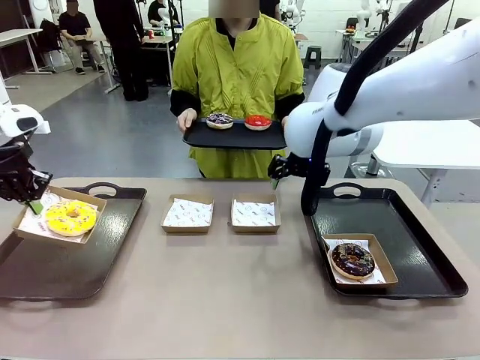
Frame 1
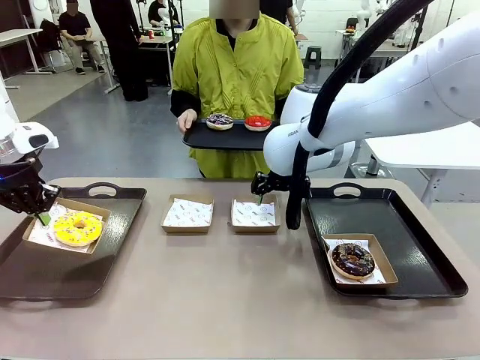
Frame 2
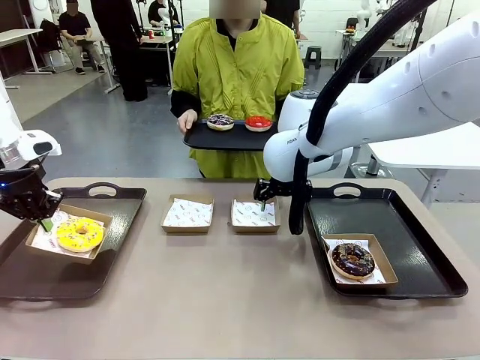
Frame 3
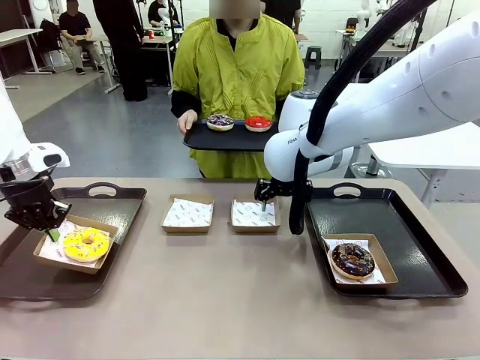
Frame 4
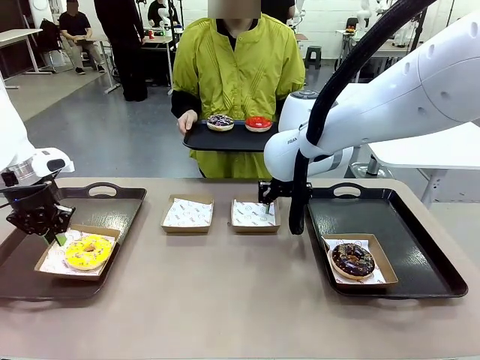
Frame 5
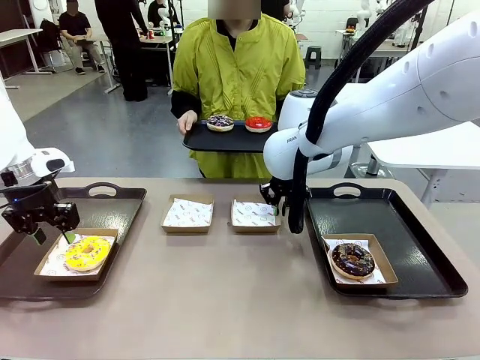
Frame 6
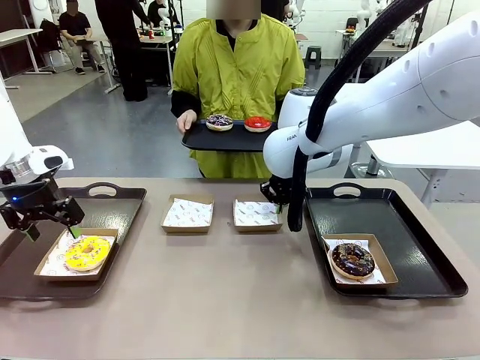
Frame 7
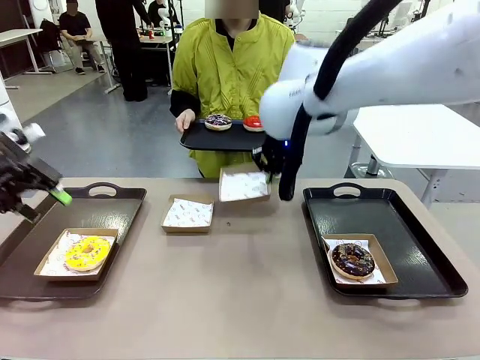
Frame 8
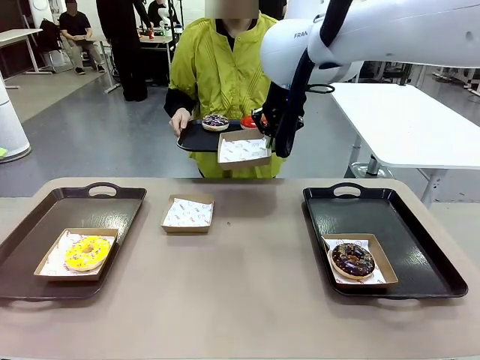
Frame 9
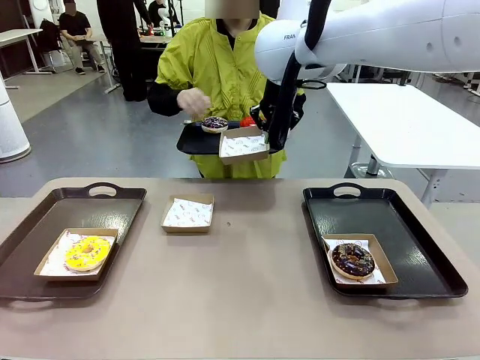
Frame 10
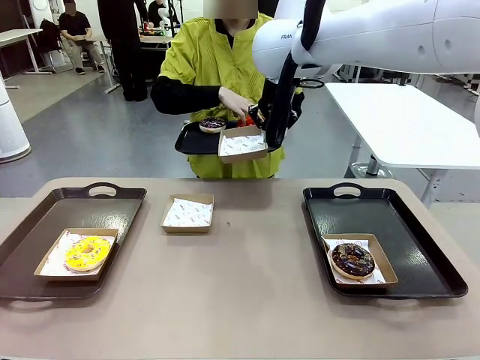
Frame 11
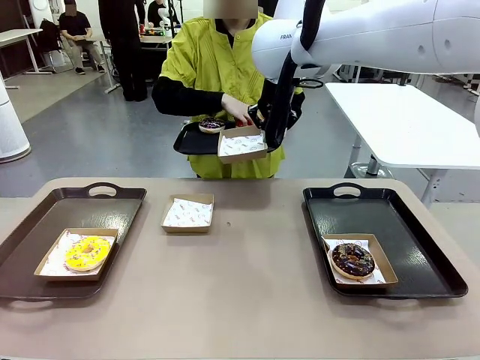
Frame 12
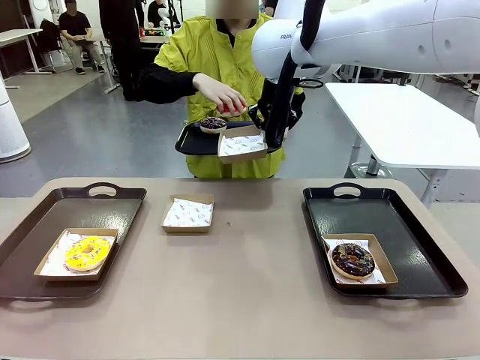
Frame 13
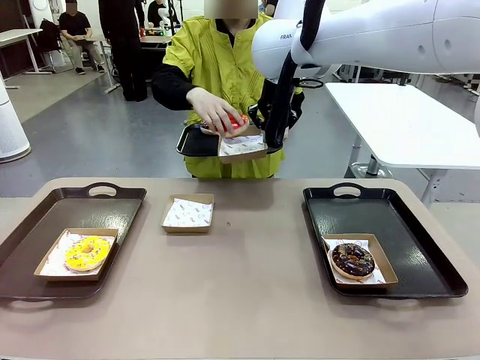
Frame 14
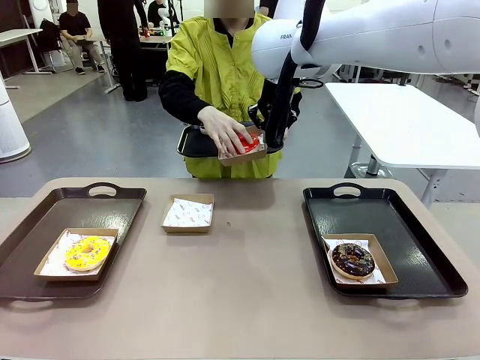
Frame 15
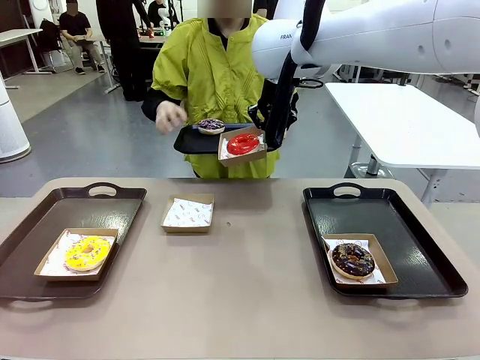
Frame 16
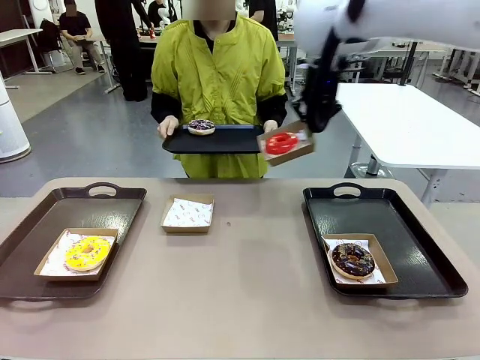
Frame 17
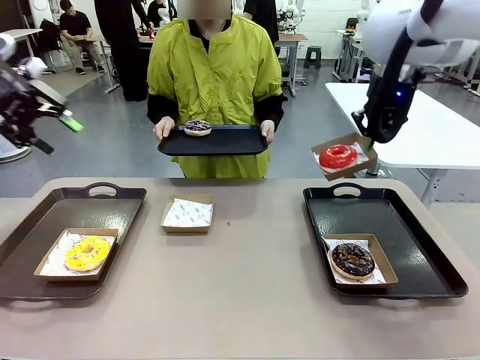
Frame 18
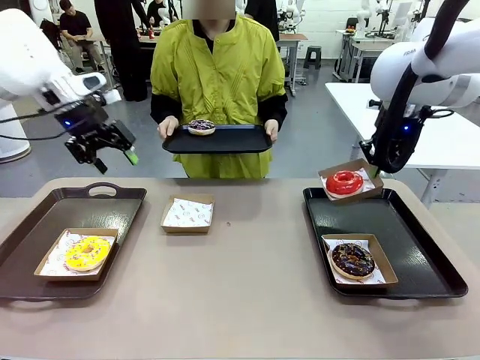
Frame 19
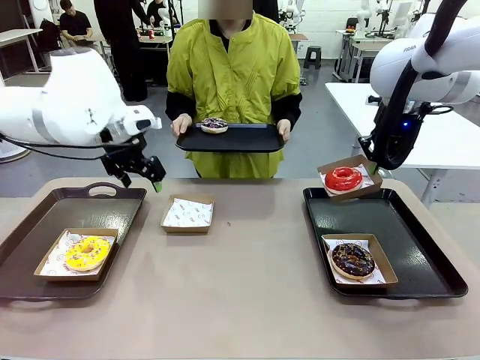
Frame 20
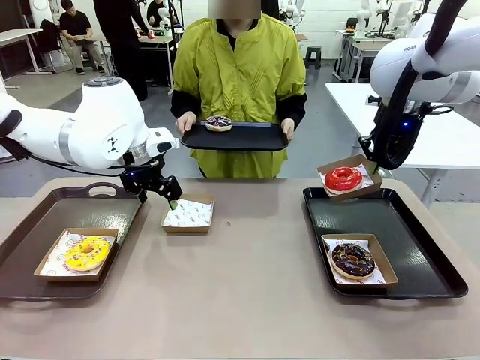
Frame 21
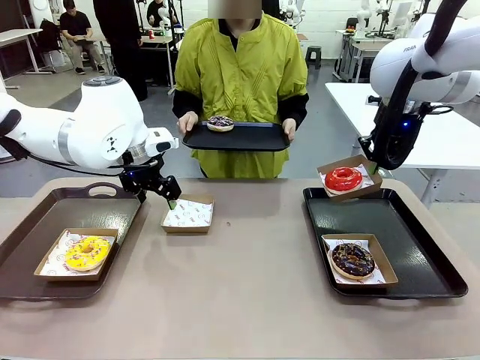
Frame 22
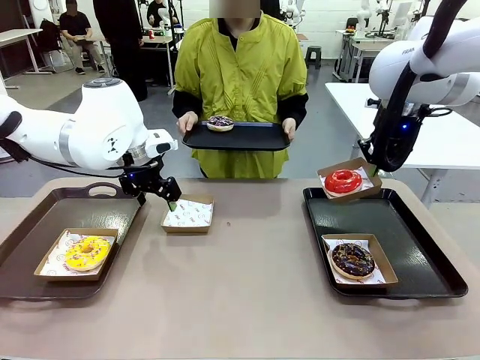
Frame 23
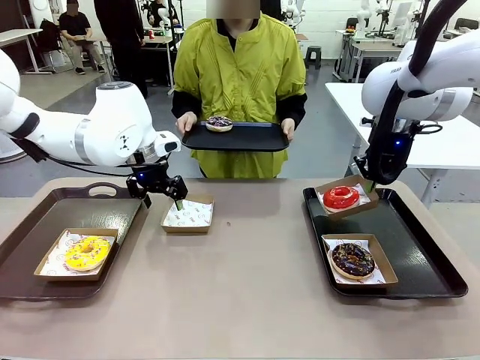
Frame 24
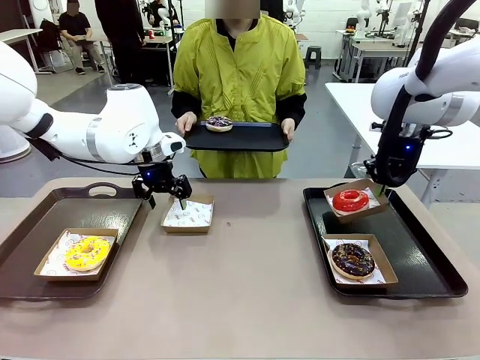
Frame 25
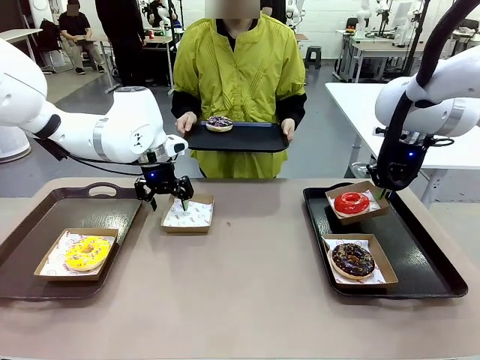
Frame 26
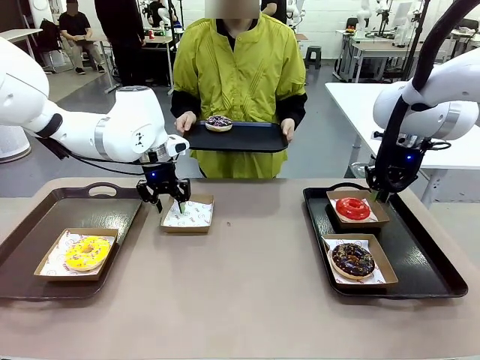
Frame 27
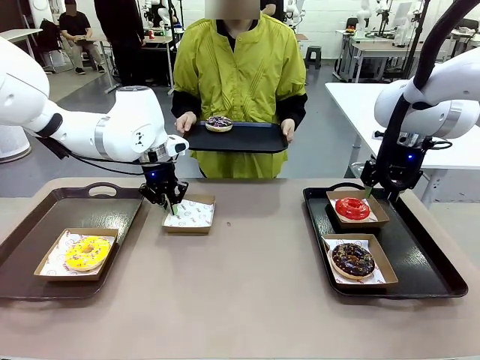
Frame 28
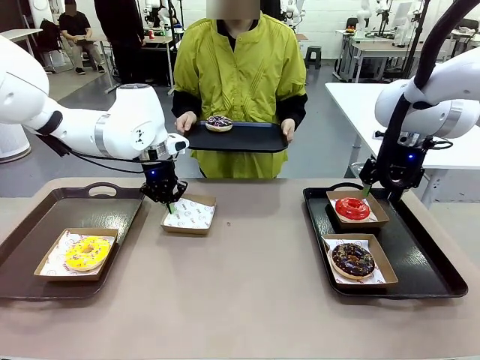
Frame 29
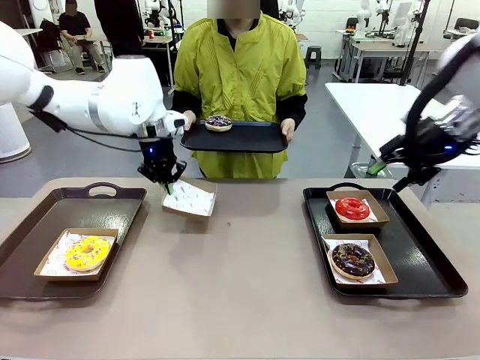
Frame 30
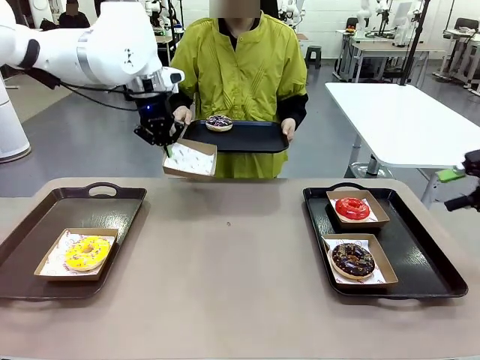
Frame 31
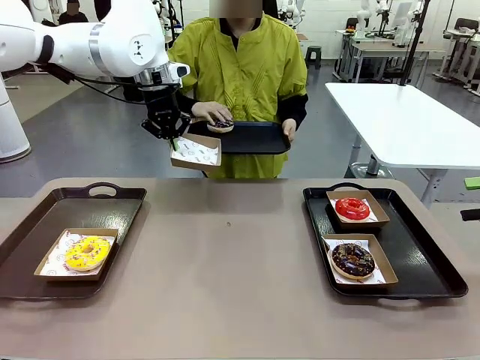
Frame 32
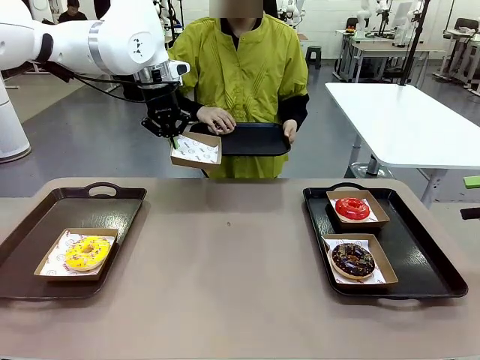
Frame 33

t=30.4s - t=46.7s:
Task: Individually package the donuts and arrange them on the tray.
Robot: Place the picked Paper togo box on the Handle tray while simultaneously picking up another Paper togo box from the table with the other hand.

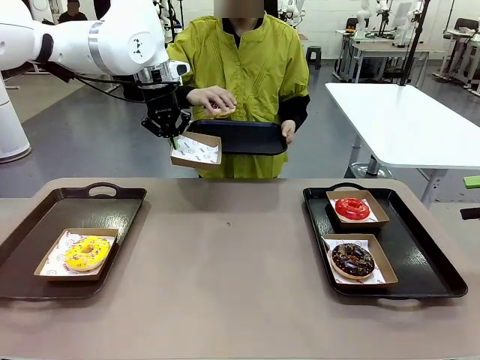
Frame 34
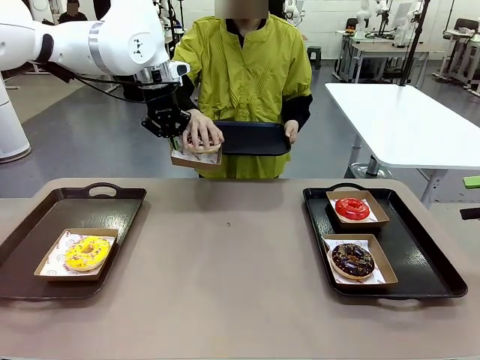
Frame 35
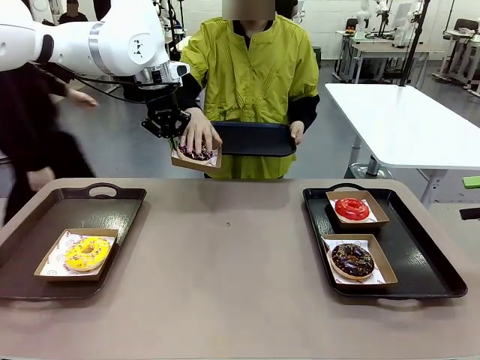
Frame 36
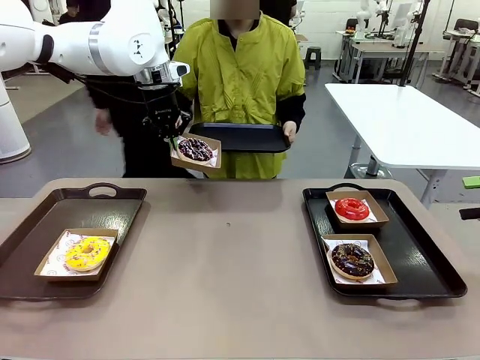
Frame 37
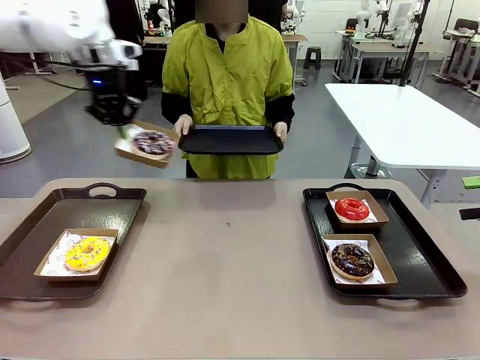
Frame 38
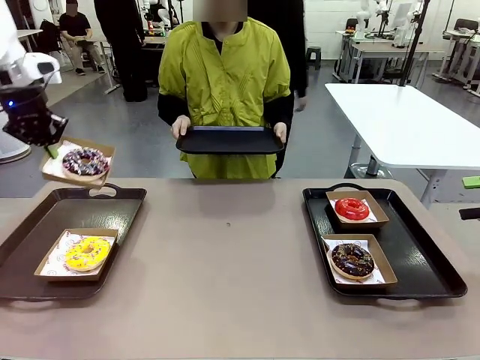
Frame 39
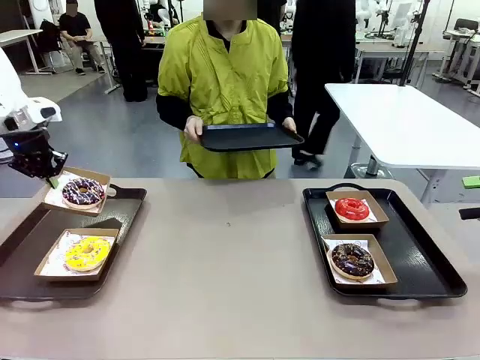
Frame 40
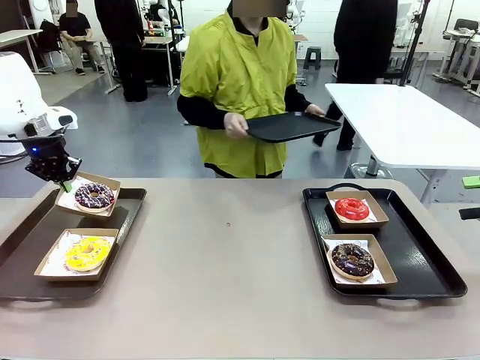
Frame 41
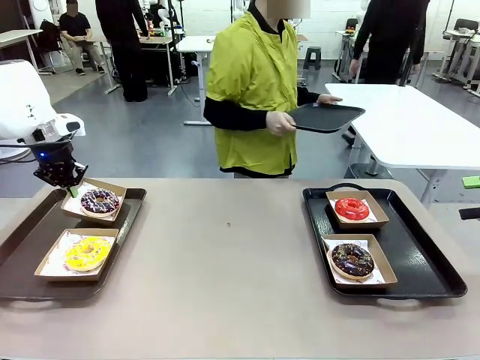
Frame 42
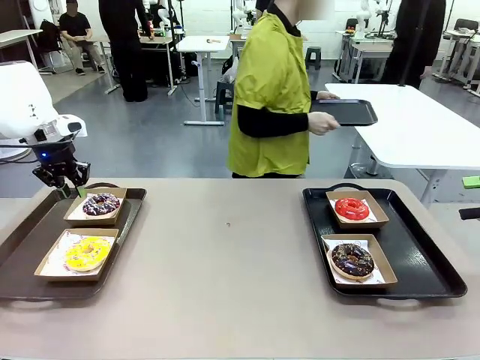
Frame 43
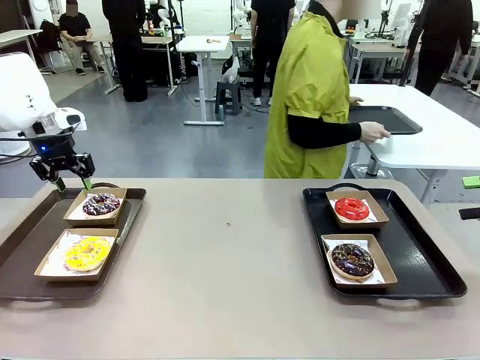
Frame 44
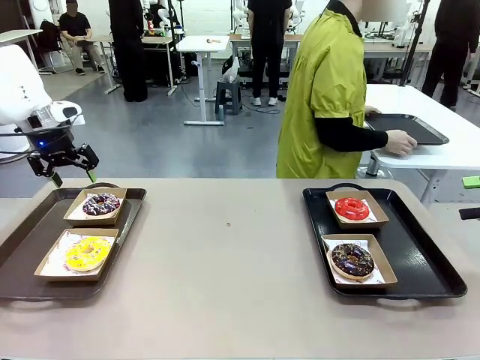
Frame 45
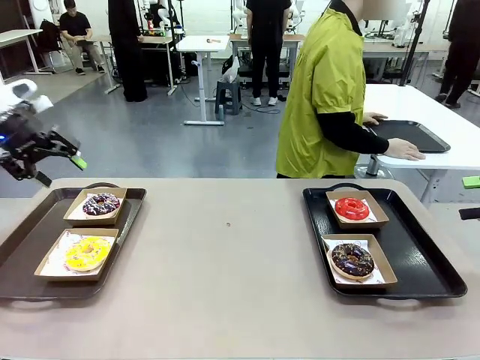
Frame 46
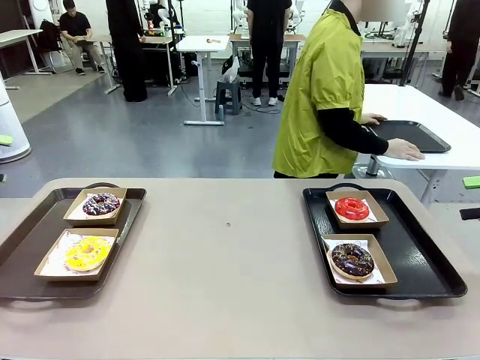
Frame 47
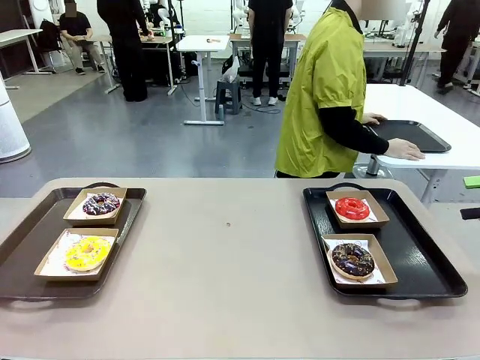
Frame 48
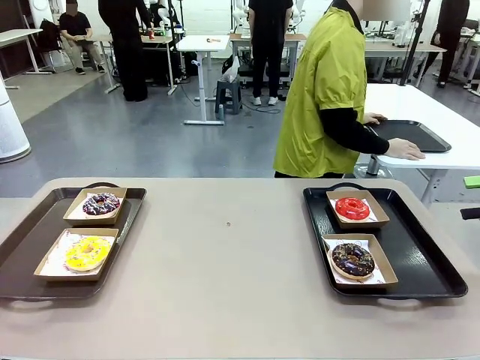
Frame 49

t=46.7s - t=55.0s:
Robot: Place the picked Paper togo box on the Handle tray.
Person: Place the tray down in the middle of the human table.
